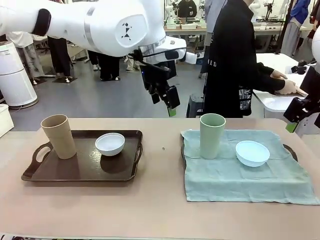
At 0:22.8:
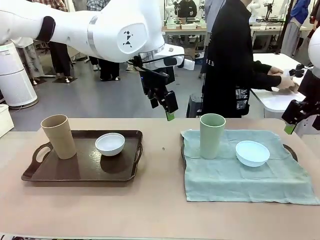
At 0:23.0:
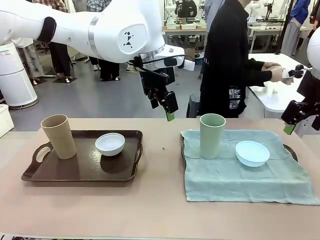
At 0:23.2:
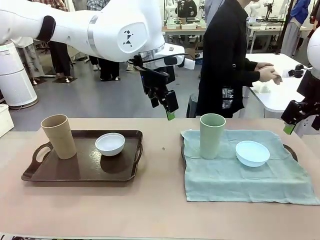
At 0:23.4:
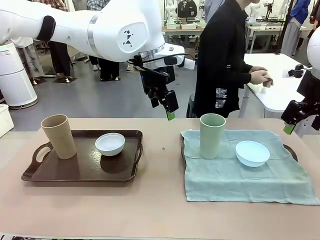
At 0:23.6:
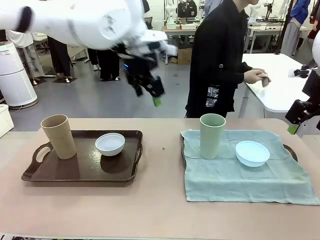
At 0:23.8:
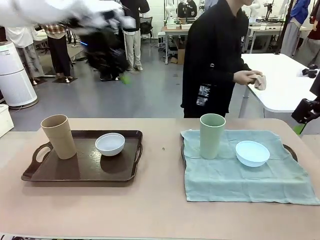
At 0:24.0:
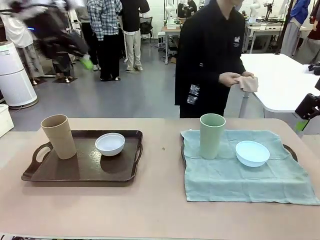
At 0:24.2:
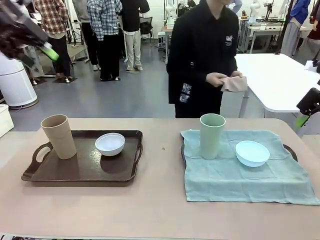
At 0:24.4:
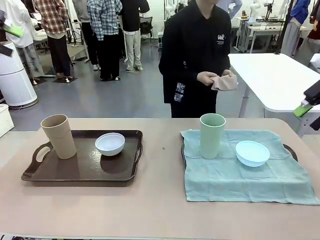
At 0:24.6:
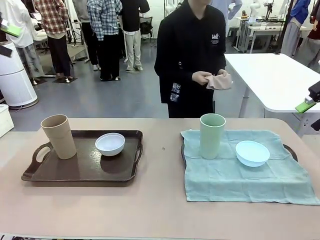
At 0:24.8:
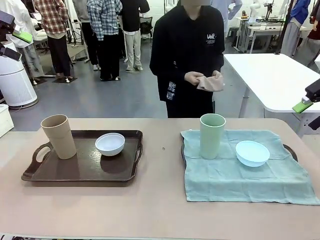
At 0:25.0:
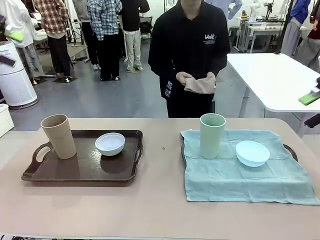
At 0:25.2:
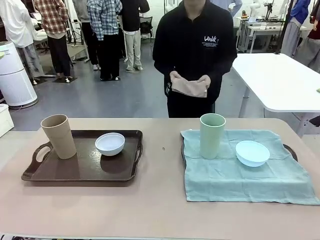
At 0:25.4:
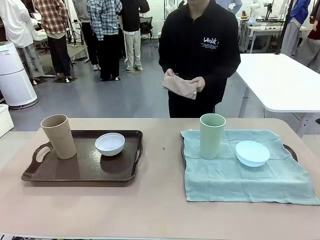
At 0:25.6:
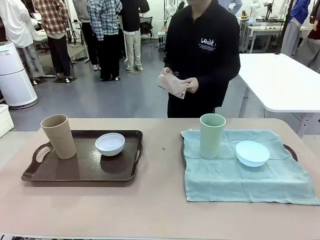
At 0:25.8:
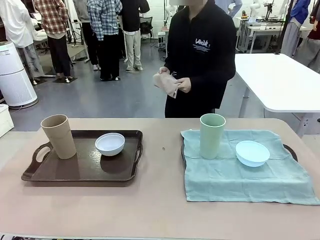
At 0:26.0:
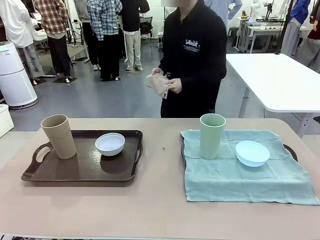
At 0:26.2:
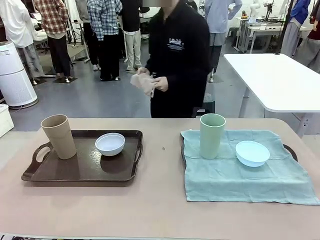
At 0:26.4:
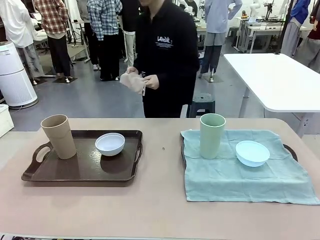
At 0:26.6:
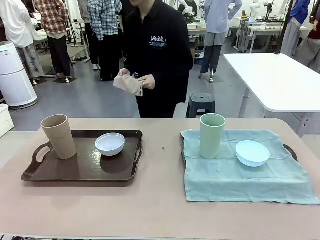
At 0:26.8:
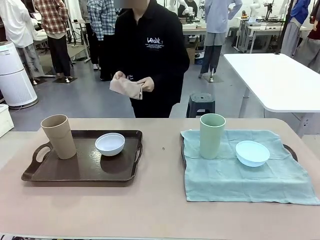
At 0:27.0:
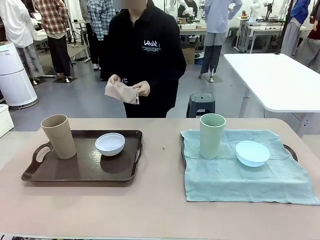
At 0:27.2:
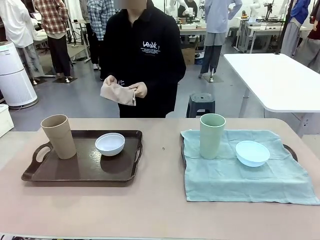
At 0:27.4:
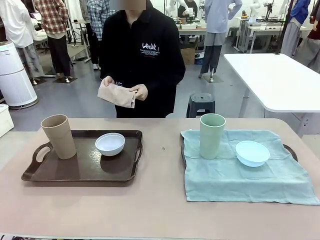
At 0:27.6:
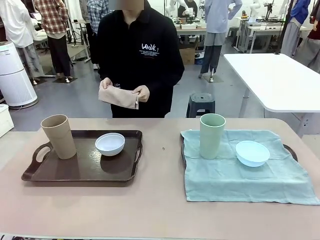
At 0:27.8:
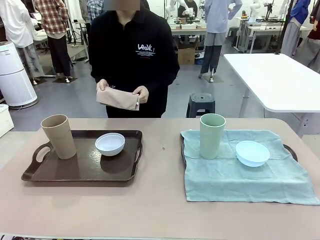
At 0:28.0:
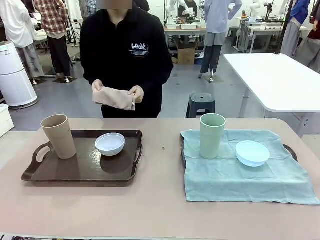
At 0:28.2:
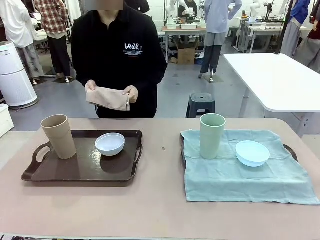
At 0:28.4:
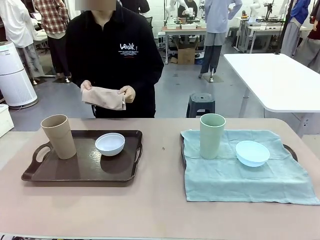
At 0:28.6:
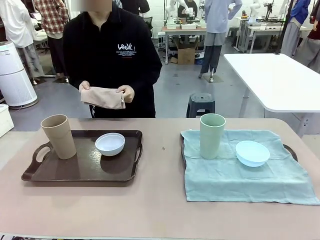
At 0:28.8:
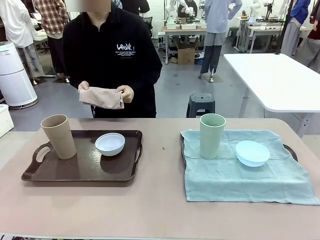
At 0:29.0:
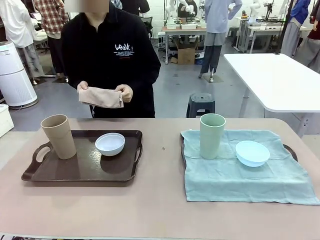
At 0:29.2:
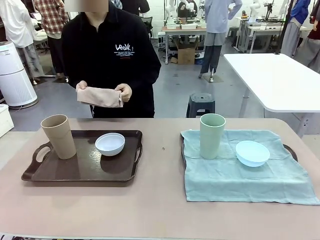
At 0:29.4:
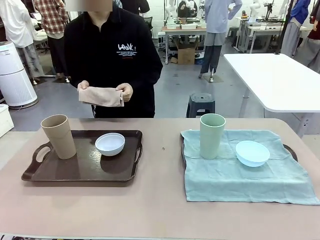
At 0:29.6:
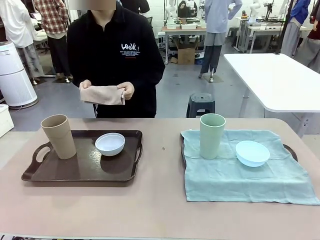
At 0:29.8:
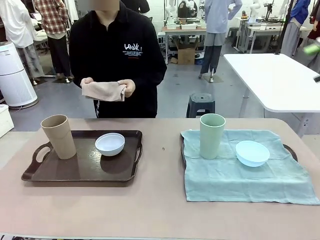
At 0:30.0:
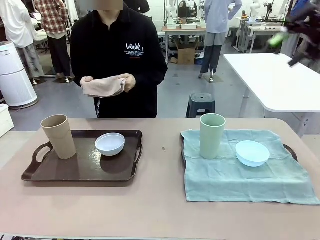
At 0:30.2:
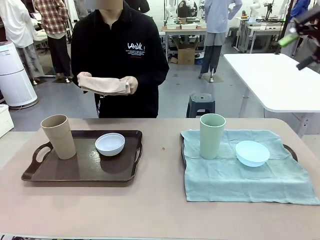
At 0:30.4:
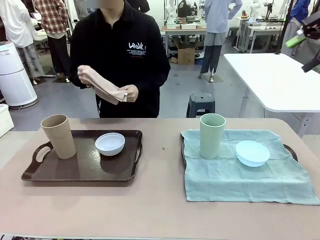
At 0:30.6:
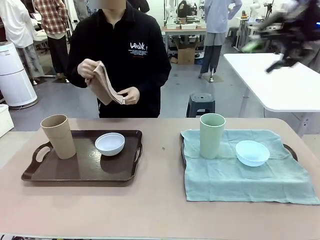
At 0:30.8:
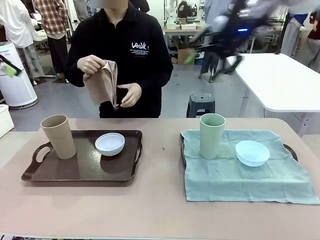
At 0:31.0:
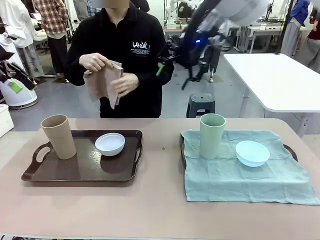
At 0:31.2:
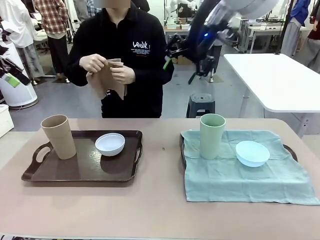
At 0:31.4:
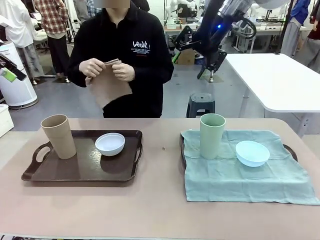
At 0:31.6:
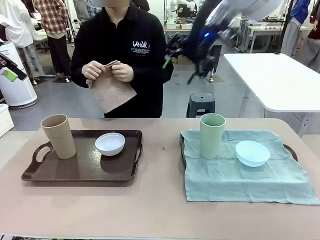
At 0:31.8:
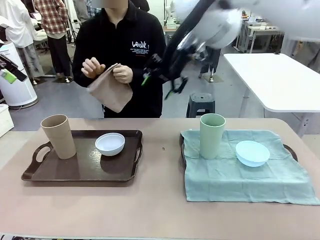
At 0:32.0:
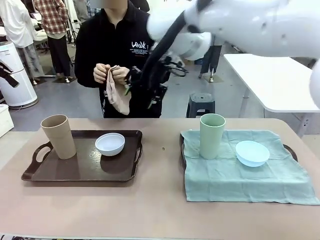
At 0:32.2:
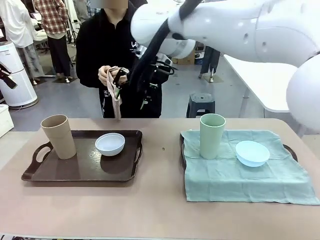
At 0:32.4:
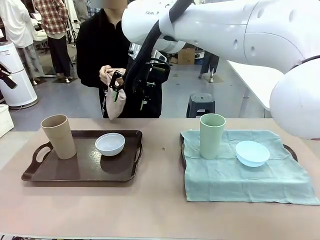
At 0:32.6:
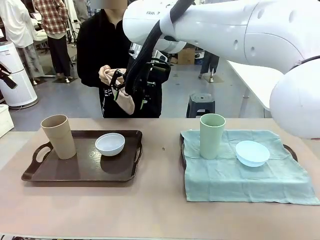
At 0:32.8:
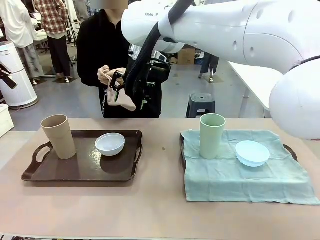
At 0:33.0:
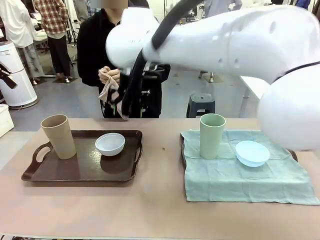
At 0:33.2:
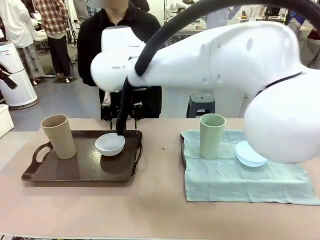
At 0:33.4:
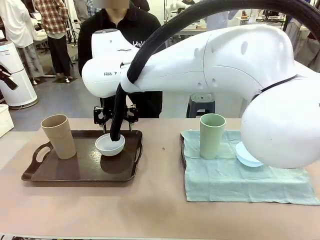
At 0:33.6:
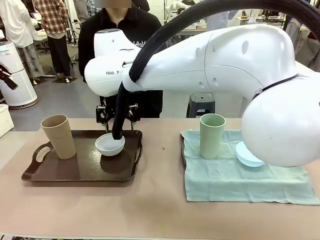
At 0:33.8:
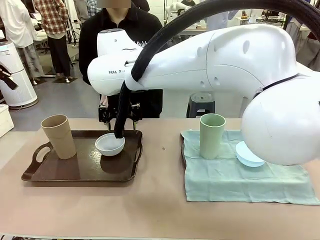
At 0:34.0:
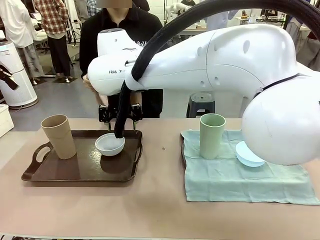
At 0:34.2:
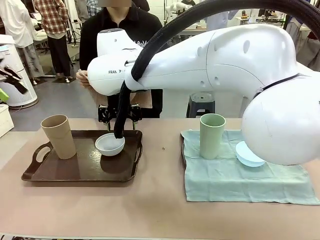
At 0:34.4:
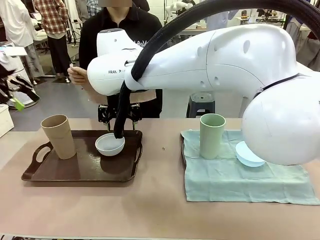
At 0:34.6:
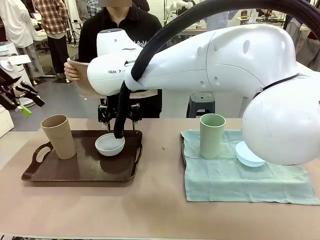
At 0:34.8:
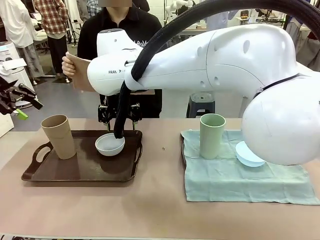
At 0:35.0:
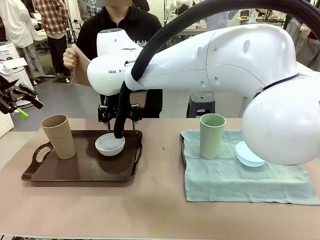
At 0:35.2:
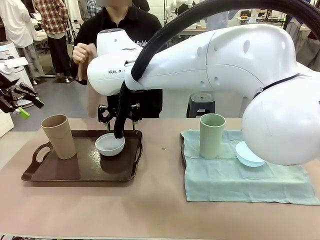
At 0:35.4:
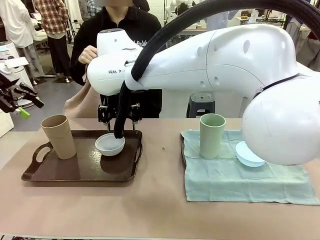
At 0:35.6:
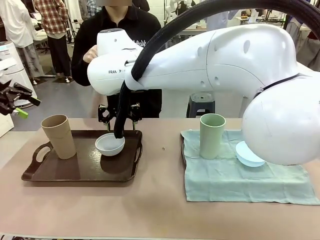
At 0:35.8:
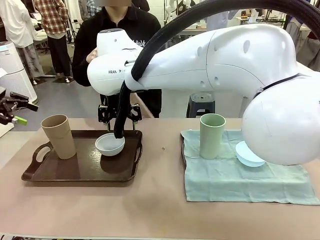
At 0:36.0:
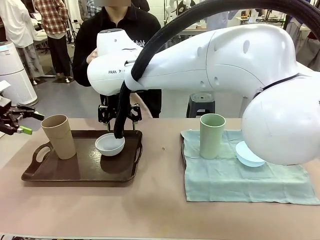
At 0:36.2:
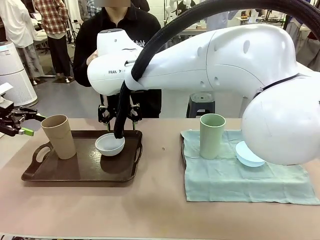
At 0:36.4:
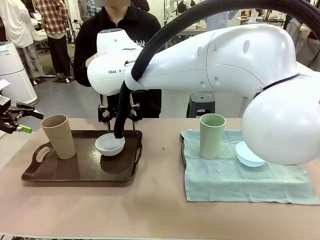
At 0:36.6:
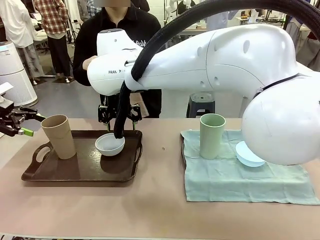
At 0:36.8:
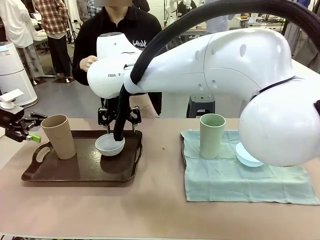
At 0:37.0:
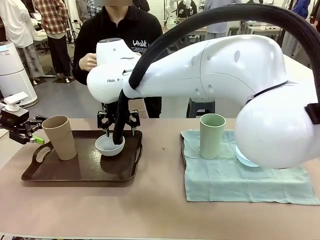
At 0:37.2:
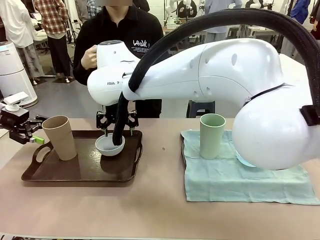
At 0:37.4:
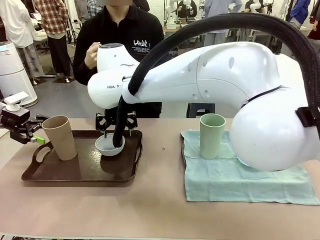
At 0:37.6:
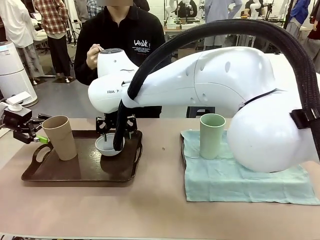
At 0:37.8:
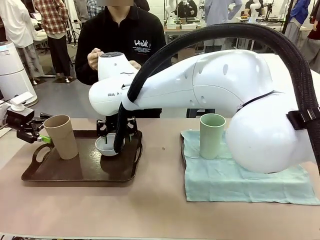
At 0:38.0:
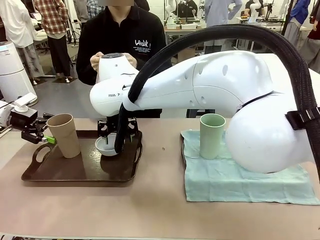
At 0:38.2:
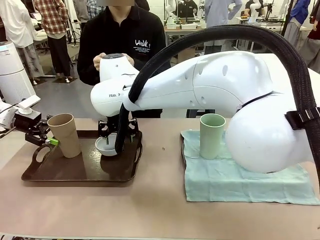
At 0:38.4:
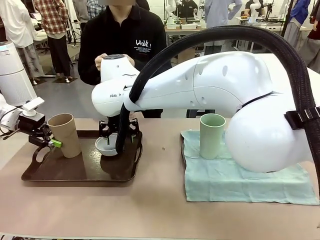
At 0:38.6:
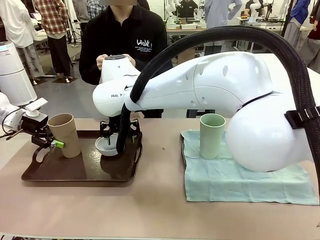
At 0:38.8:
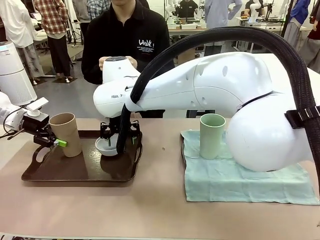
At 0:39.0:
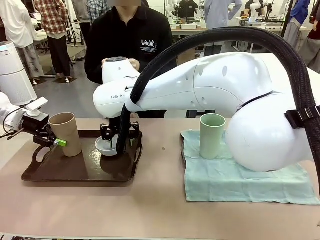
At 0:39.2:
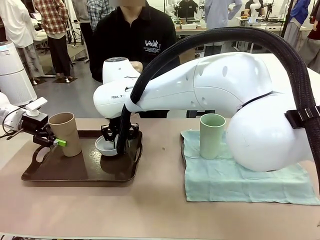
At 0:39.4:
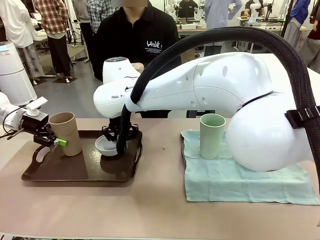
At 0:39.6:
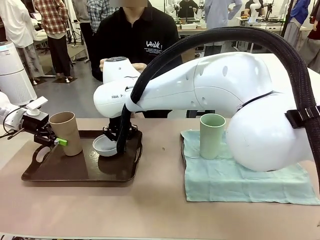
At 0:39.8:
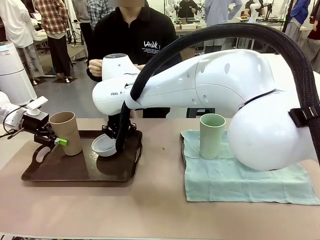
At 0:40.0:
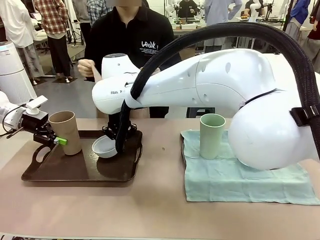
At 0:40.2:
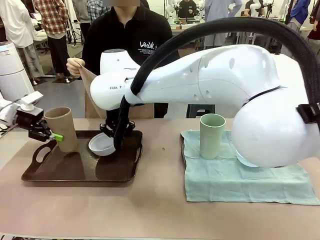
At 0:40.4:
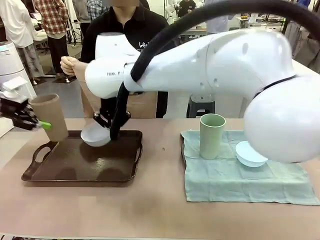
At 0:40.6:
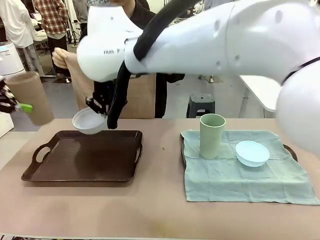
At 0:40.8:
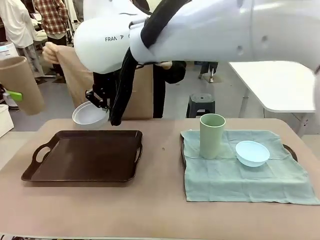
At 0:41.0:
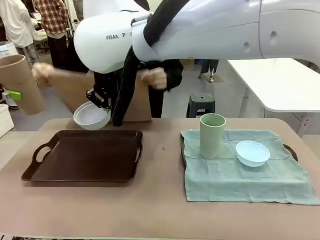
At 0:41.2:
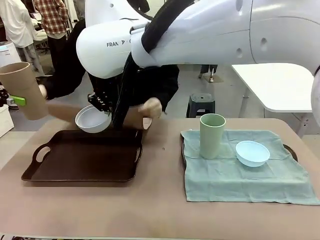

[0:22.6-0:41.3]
Robot: Pick up the Picnic Bowl and Reusable plastic cup from the Handle tray in front of the human's position and hold them in the air.
Person: The human returns to the human table to pick up another napkin and walks to the robot table to stand in front of the tray without a napkin. When the robot lifts the bowl and the cup, the human unfolds the napkin and lays the napkin flat on the tray.
